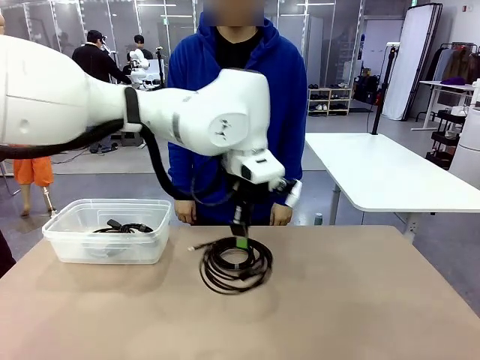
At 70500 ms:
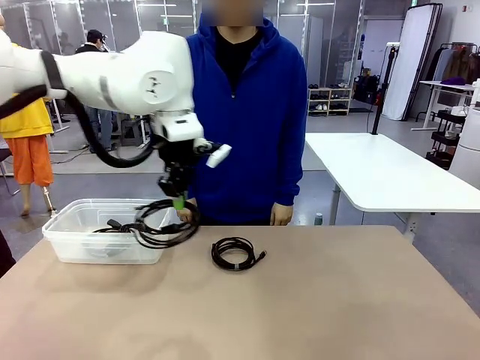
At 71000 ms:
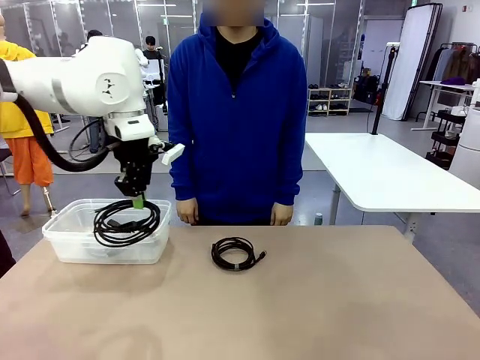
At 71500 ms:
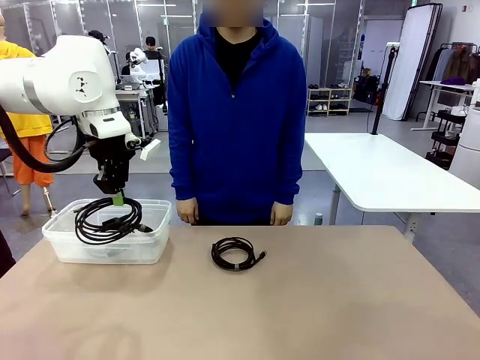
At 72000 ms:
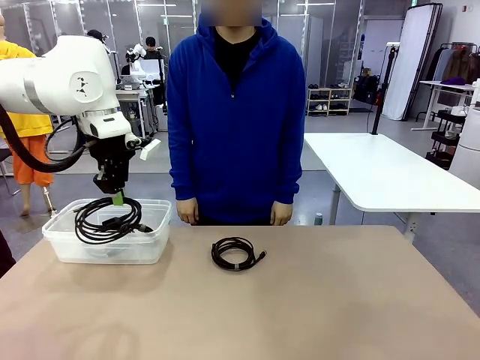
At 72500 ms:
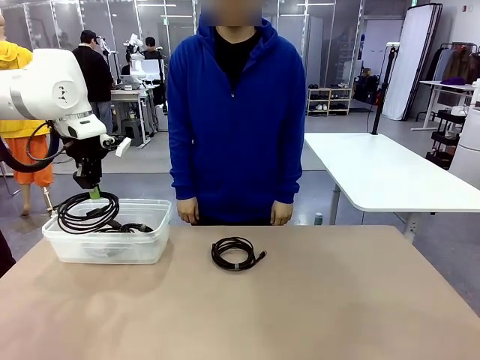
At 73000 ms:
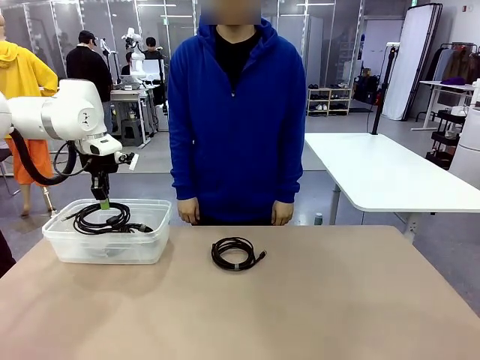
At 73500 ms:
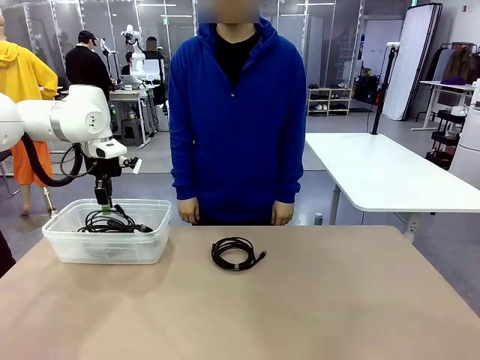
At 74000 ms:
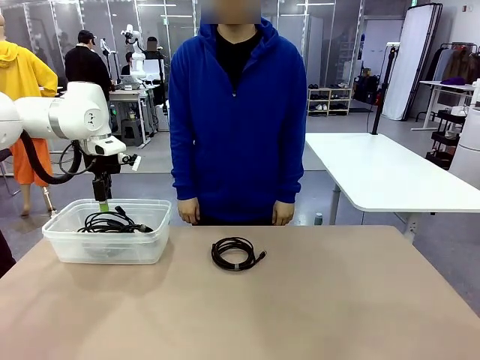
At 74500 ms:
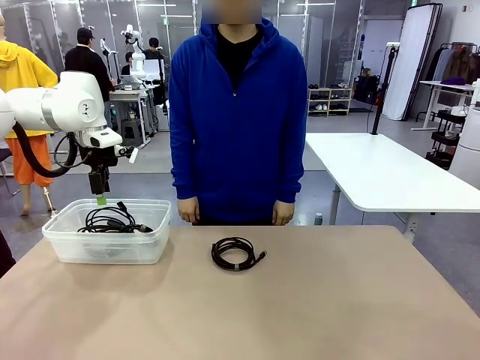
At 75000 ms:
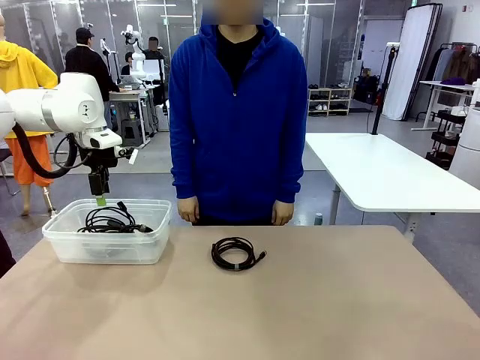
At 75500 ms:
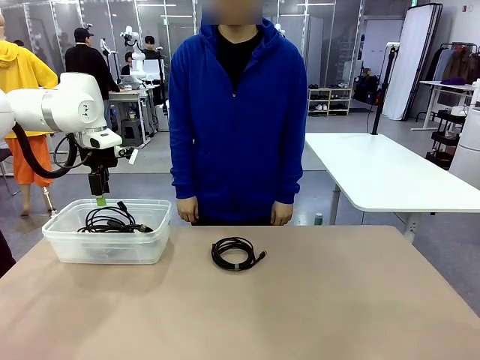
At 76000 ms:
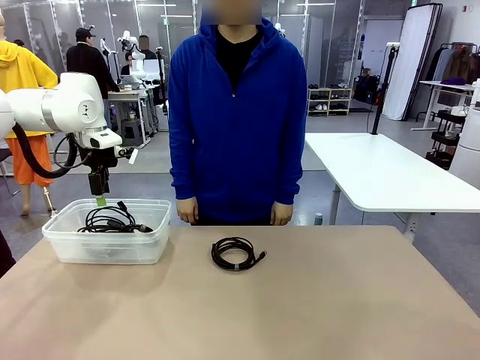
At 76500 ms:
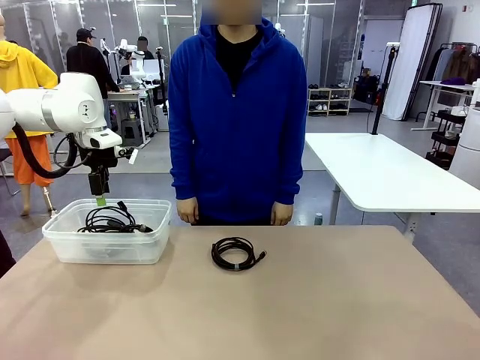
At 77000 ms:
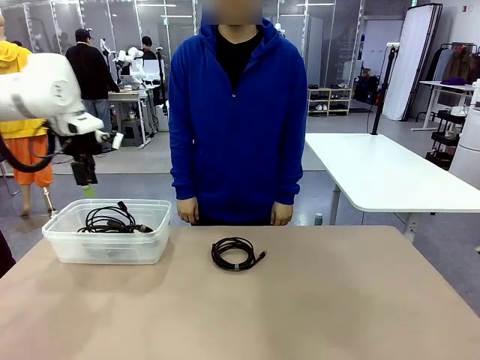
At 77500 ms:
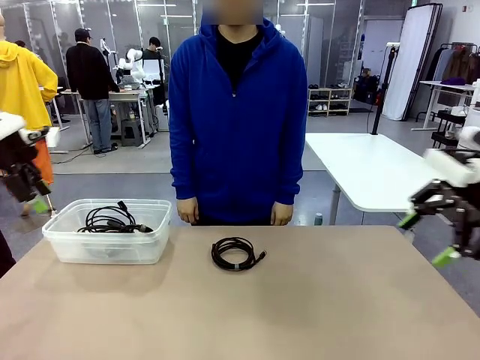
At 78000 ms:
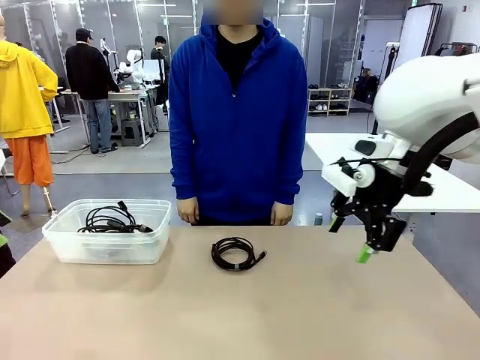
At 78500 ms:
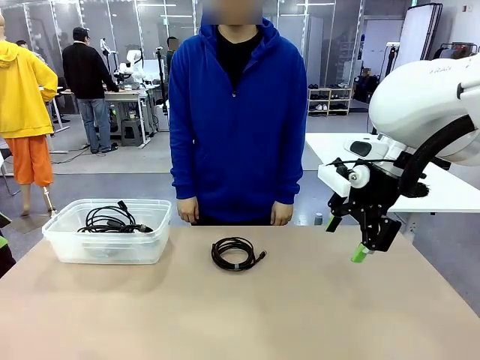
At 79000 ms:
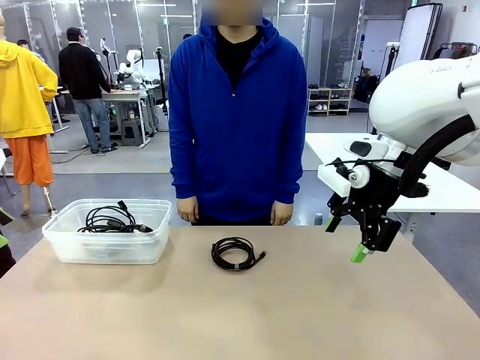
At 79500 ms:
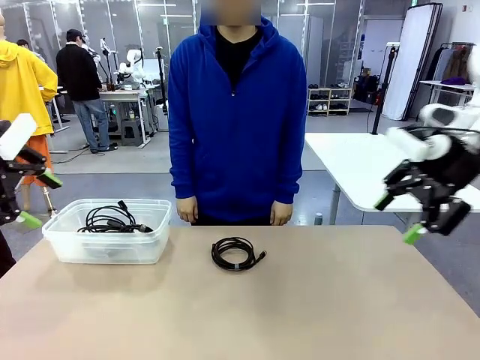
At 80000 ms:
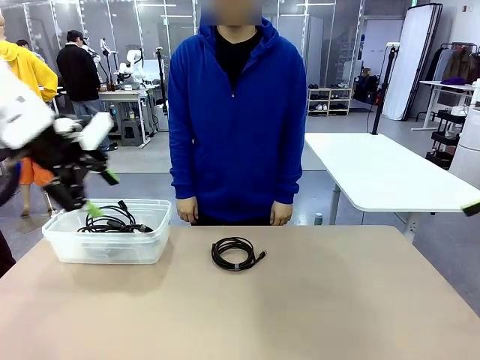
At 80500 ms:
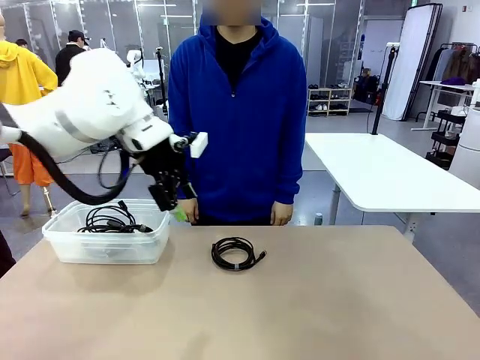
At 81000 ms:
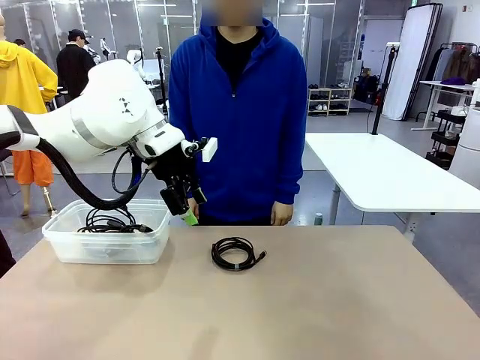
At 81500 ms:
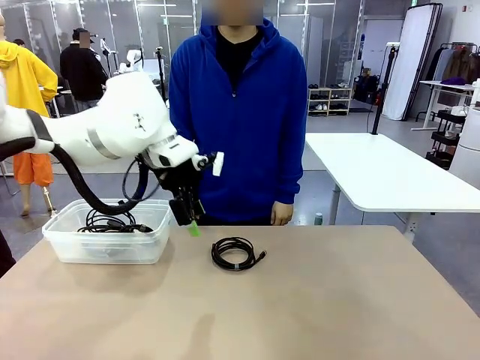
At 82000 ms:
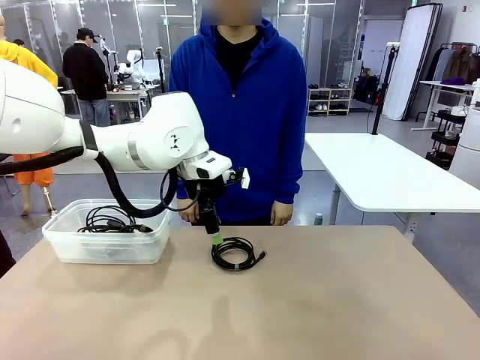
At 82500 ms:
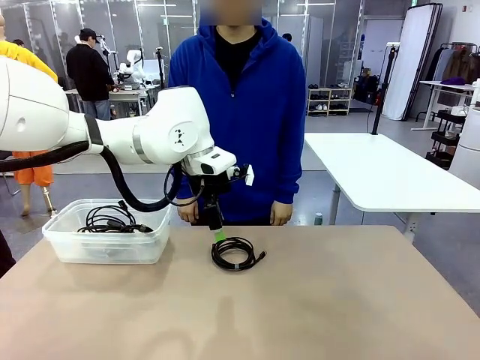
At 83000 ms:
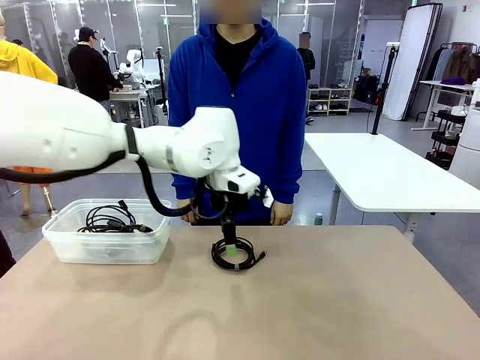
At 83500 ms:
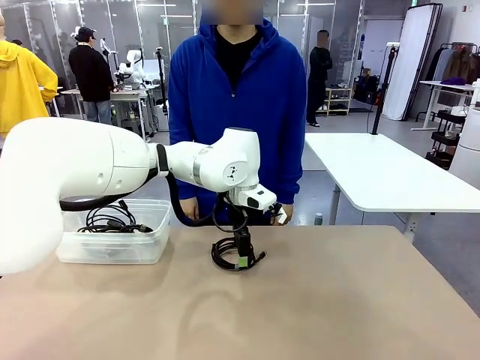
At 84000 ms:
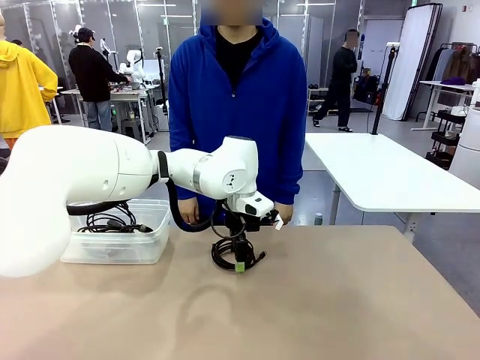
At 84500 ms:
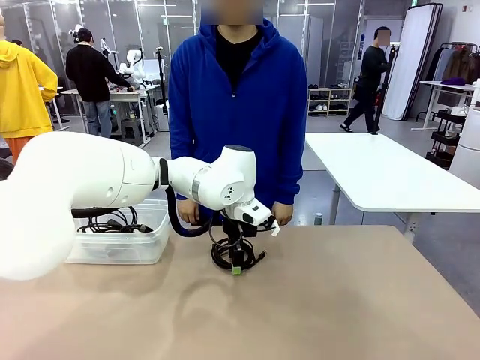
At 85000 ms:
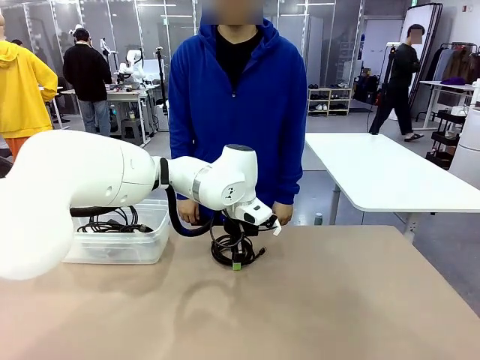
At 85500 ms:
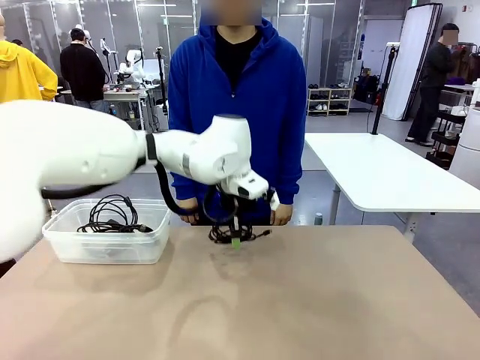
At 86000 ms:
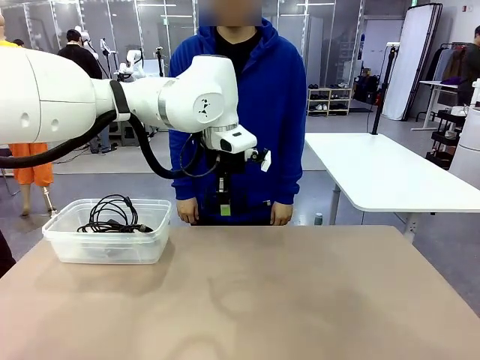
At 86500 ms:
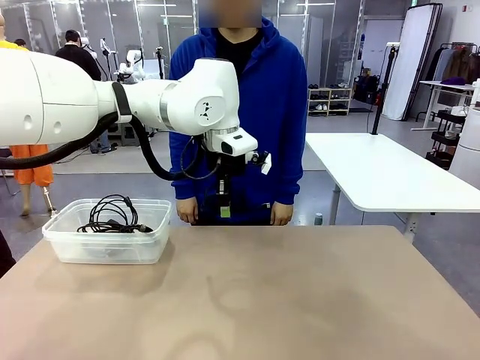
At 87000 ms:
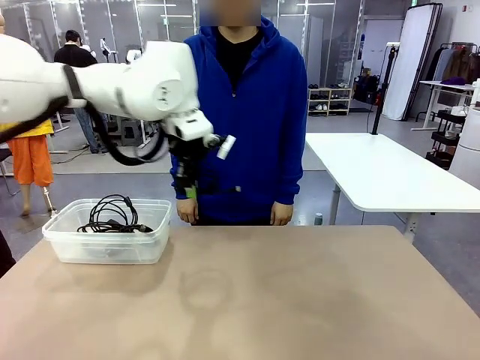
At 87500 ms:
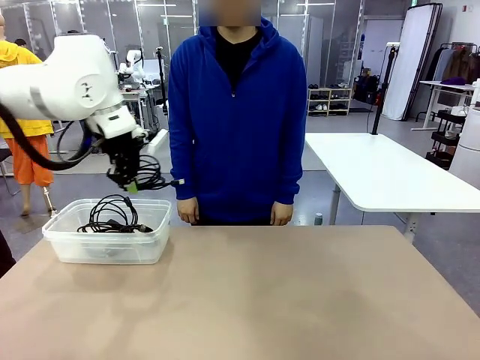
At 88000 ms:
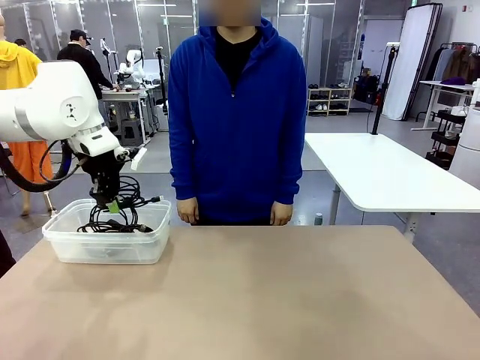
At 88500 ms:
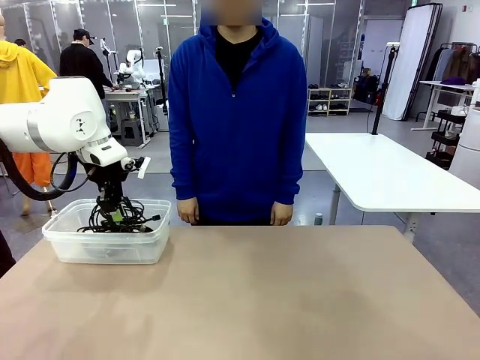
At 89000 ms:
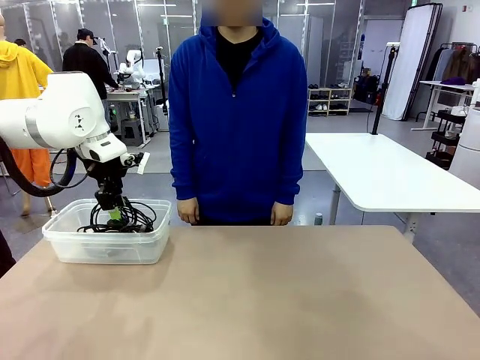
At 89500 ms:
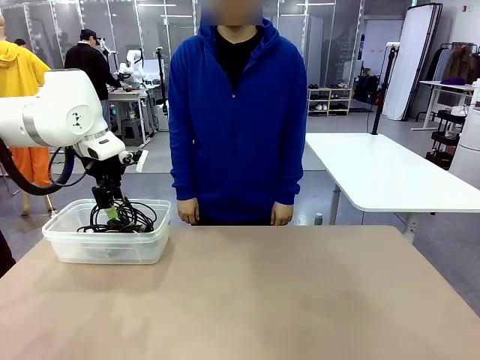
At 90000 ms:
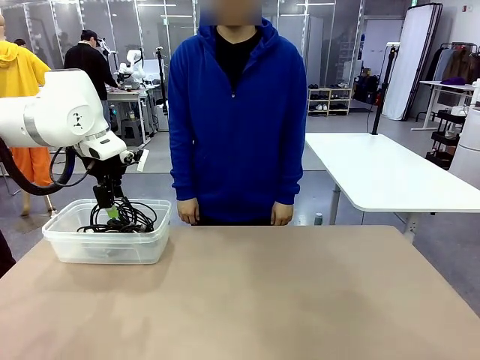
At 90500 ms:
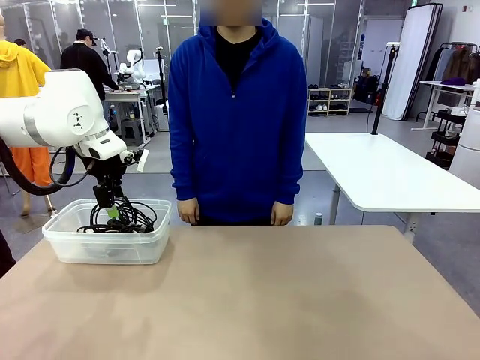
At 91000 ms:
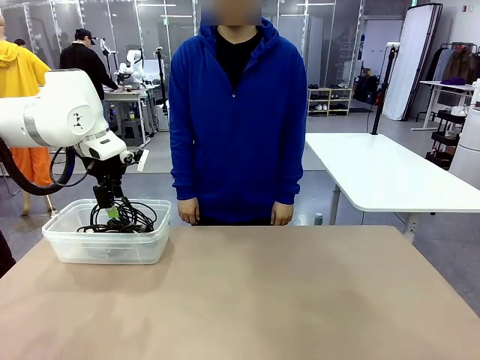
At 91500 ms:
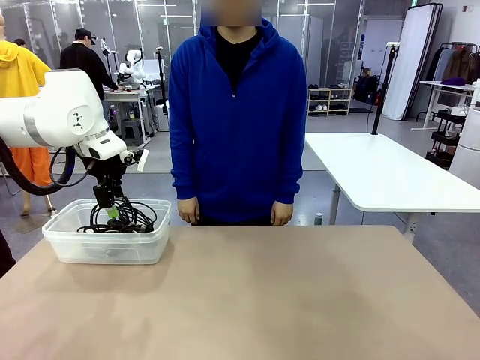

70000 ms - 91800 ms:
Task: Organize and store the cables.
Robot: Place the USB Extension Cable into the Organizing box.
